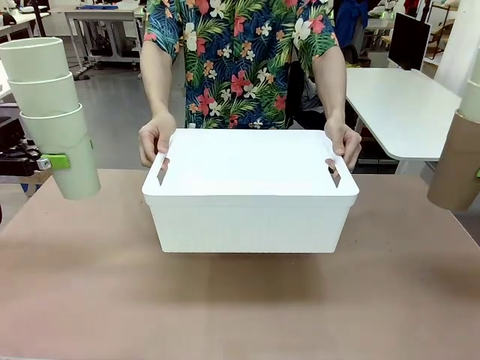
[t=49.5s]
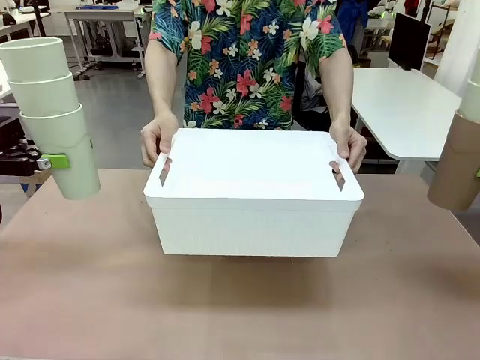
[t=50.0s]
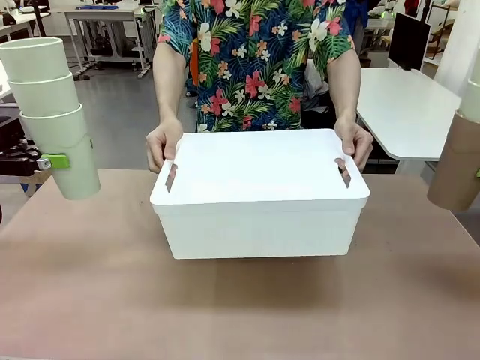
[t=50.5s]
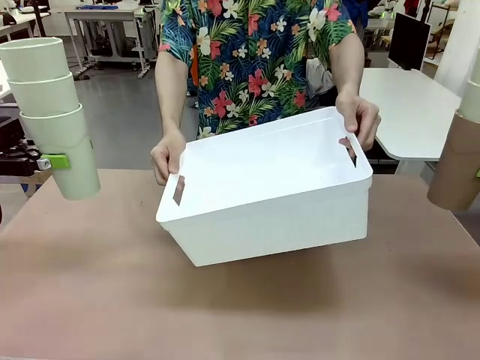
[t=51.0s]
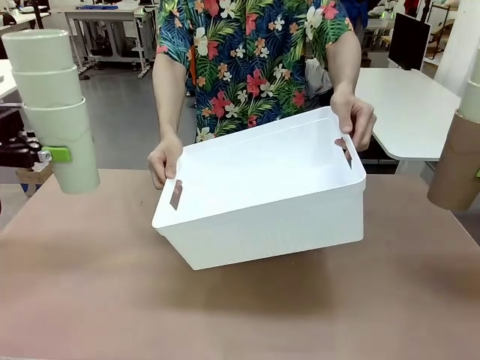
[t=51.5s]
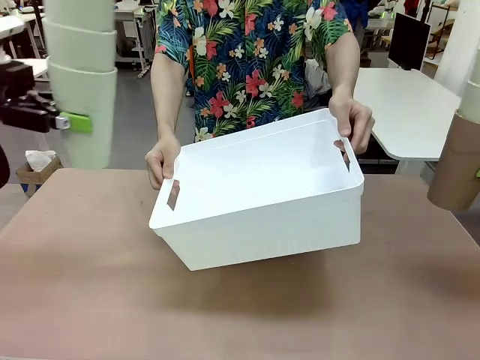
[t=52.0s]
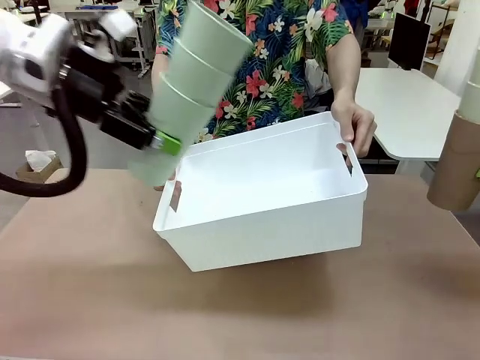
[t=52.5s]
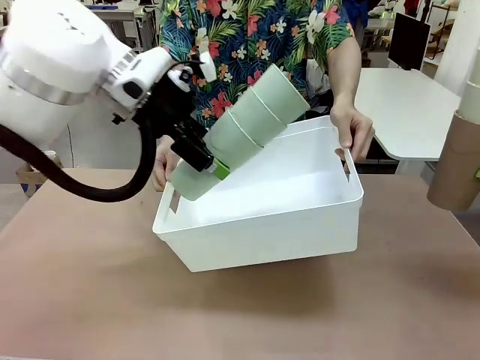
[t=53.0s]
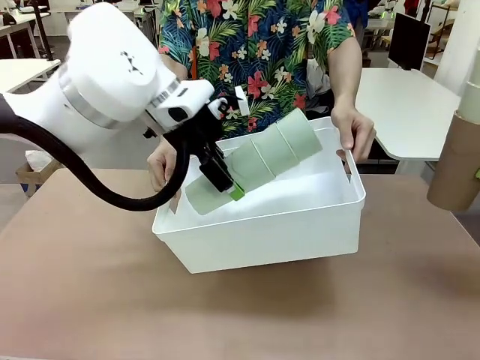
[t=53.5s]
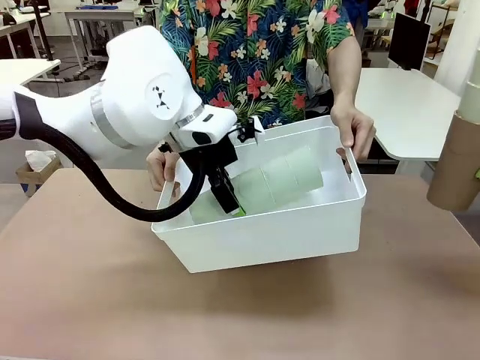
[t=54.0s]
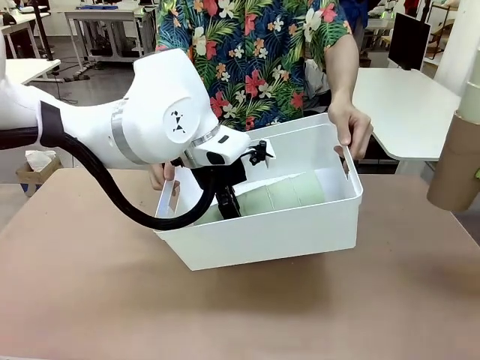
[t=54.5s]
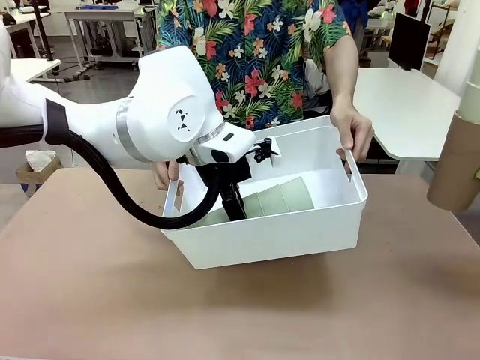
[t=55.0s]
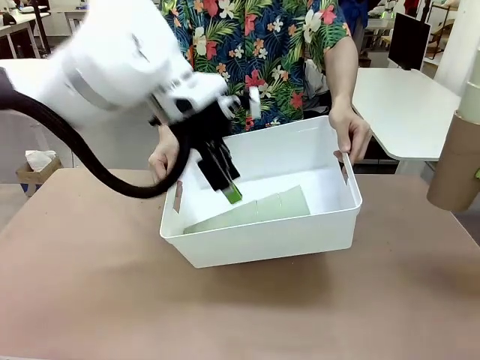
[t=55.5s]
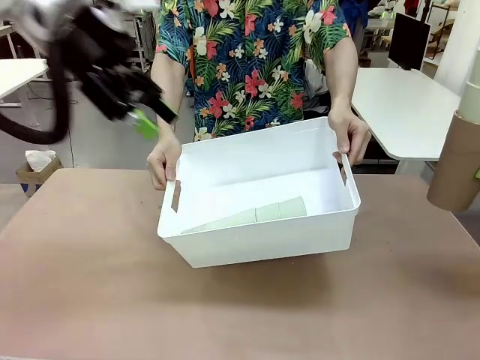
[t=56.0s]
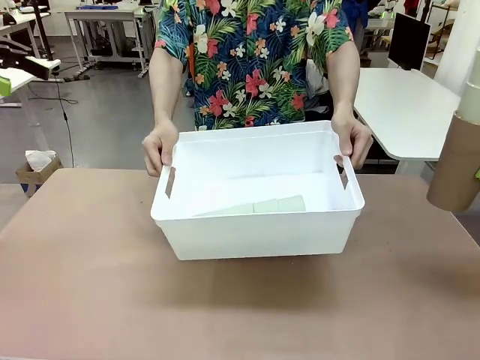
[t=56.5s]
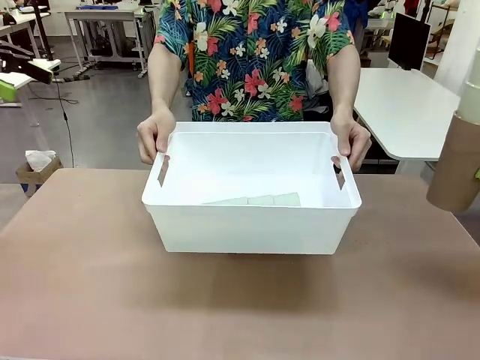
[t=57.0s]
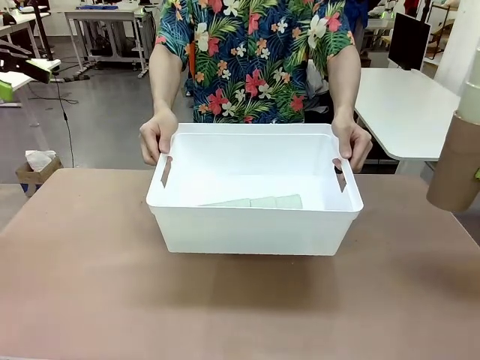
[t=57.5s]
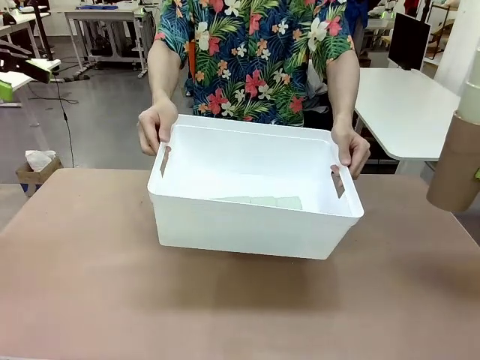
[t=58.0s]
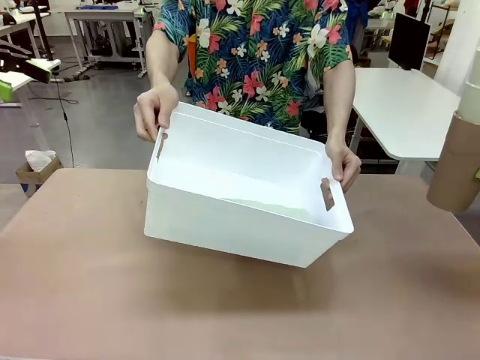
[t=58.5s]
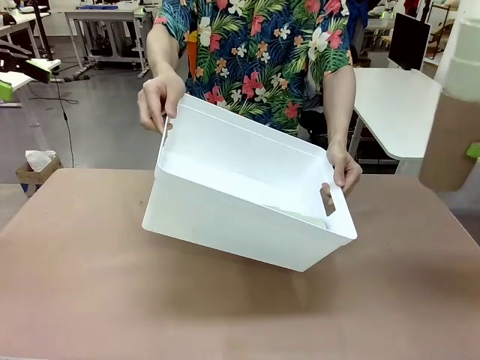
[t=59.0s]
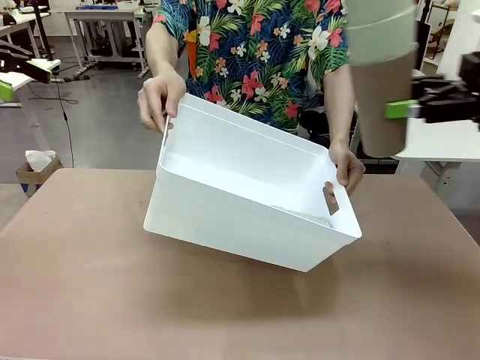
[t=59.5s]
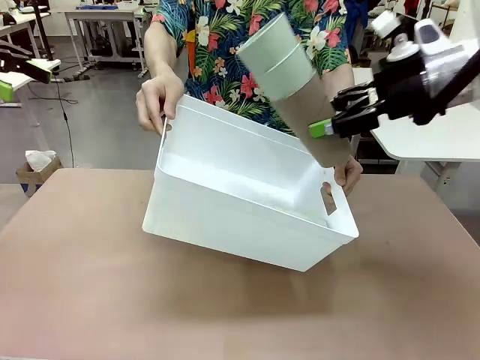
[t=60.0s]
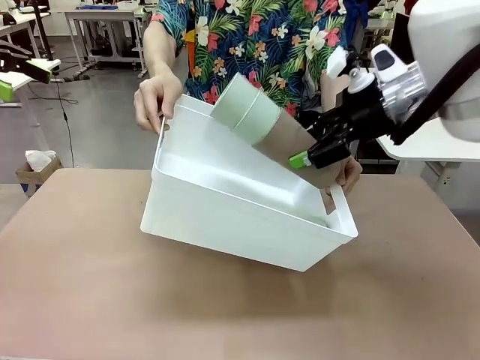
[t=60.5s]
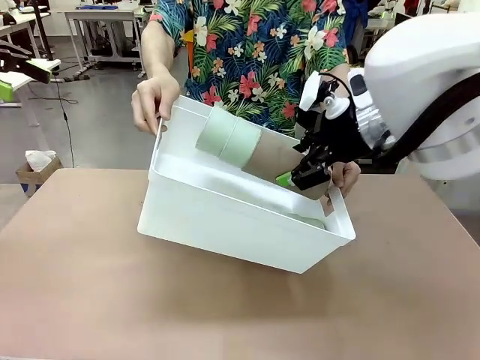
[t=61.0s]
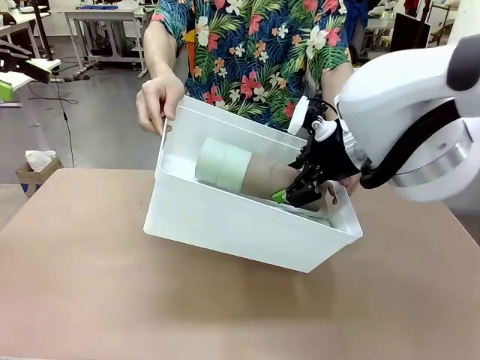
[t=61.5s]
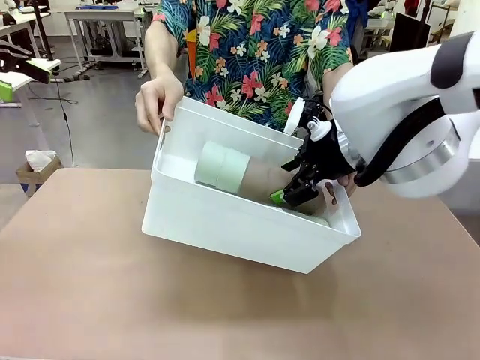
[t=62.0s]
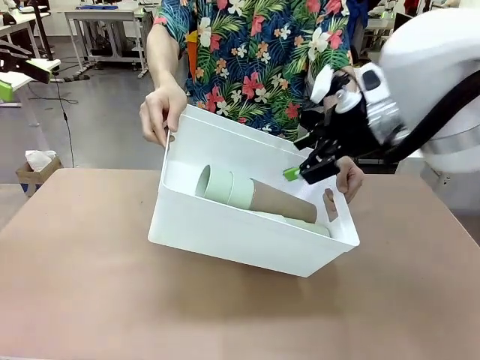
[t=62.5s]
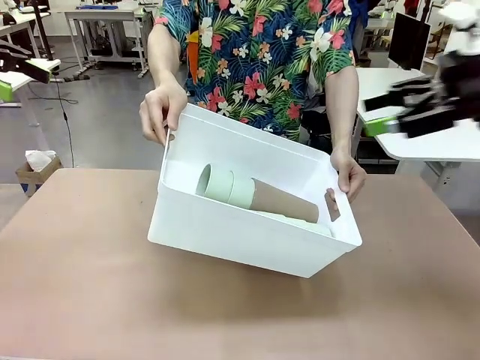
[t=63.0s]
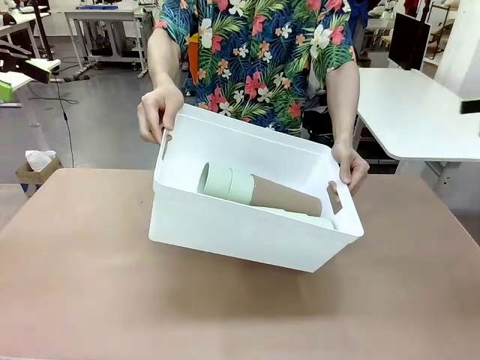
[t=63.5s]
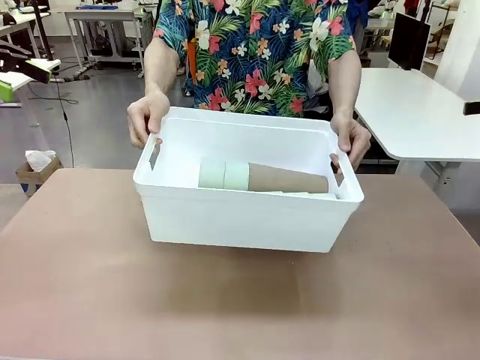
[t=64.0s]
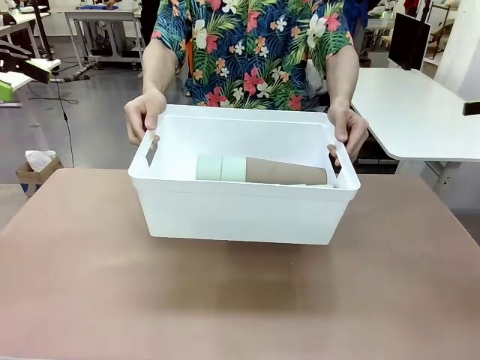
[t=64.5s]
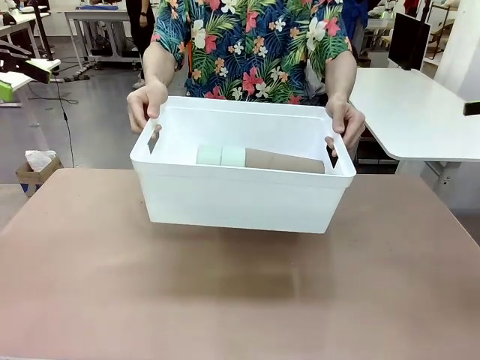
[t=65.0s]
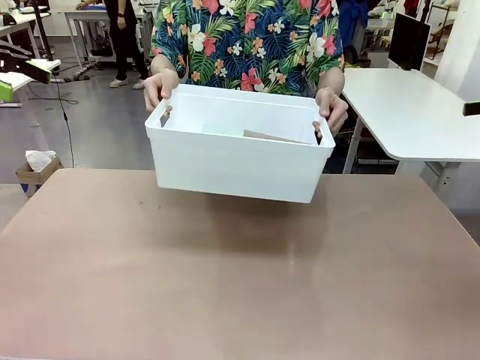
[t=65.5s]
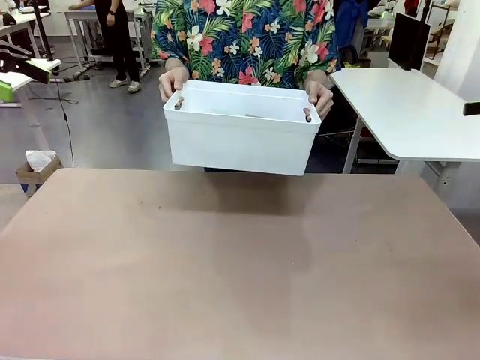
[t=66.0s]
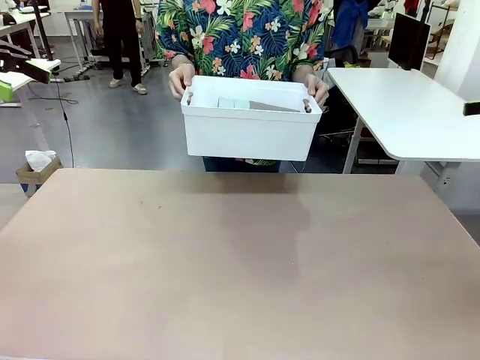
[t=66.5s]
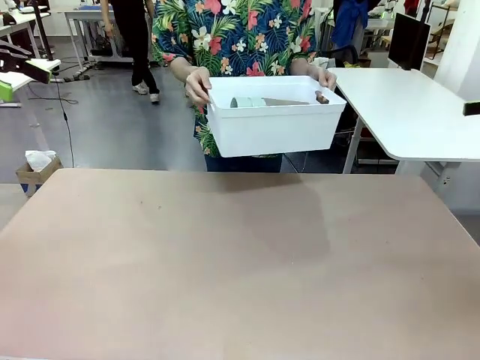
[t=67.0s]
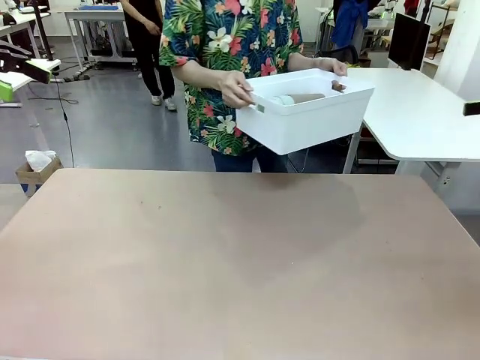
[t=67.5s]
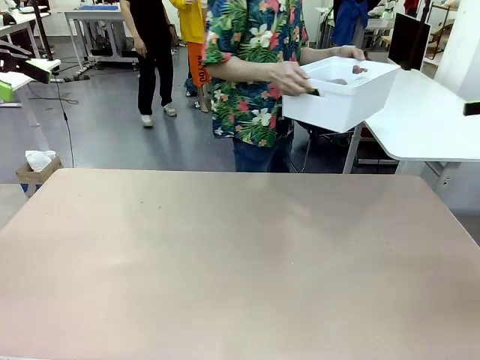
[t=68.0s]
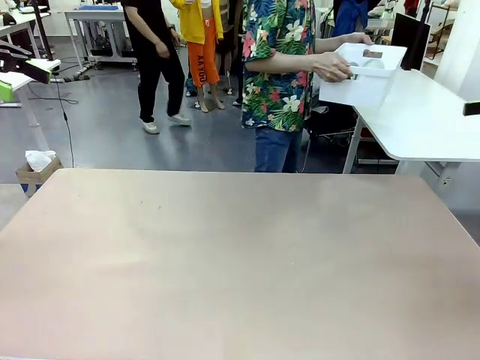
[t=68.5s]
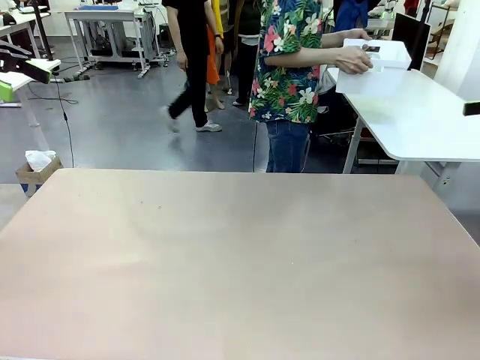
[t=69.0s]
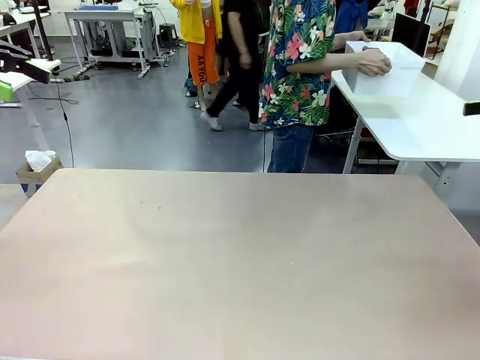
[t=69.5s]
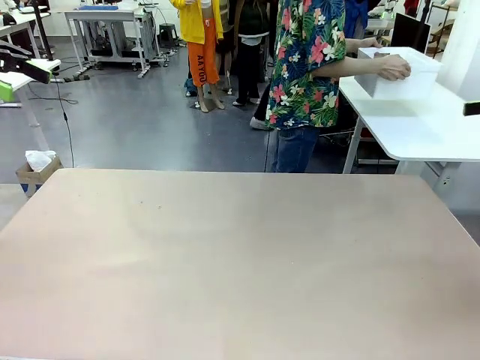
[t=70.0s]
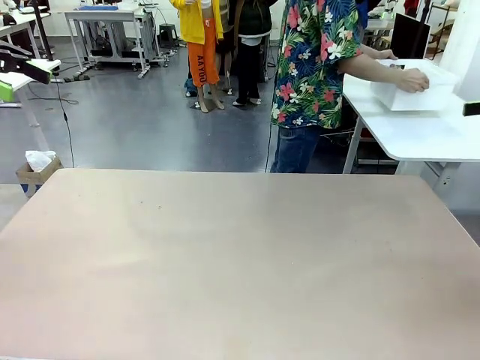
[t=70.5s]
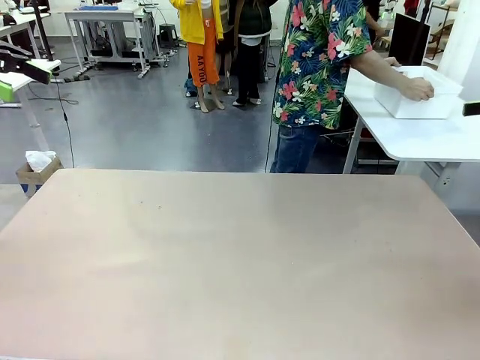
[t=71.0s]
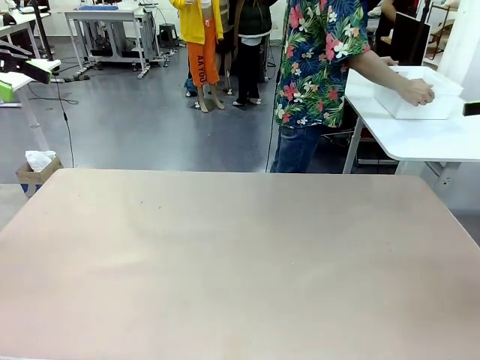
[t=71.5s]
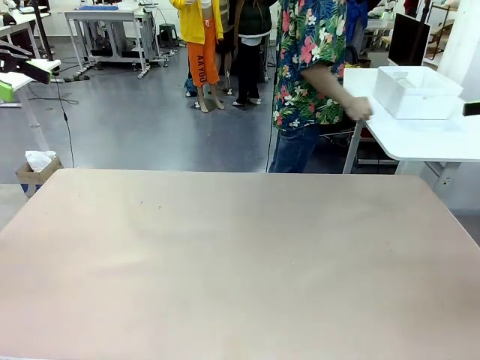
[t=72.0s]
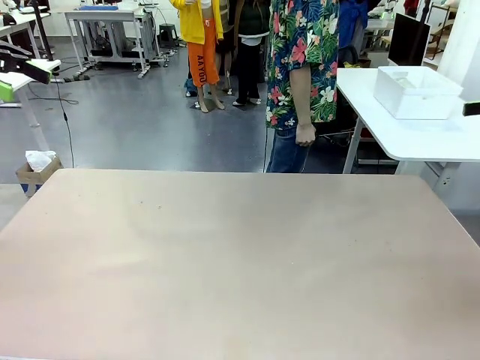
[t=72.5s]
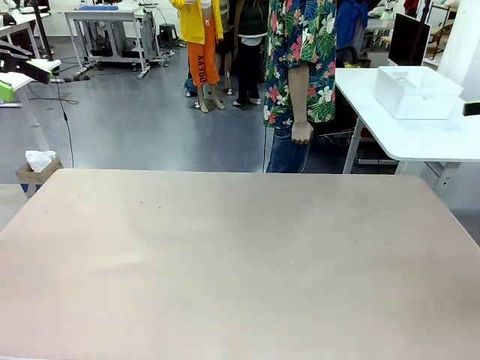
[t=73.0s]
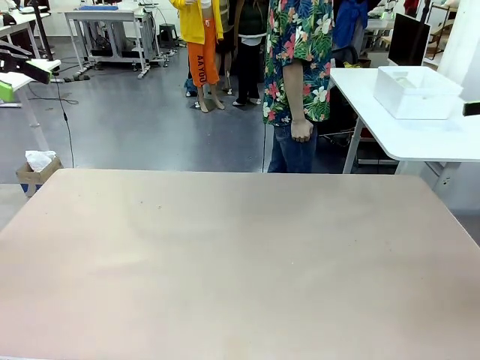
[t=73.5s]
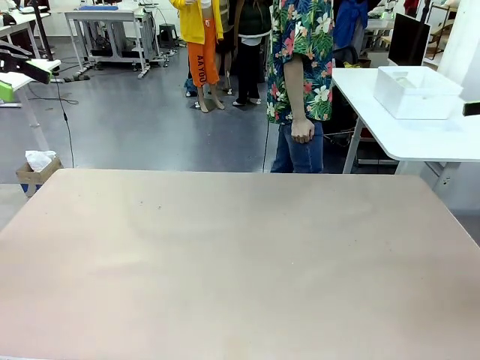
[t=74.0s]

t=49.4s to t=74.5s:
Task: Stack the cups and store them in the basket.
Robot: Place the stack of Reusable plastic cups into the Pantry Basket.
Person: Place the basket containing the cups in the middle of the Human Table.
